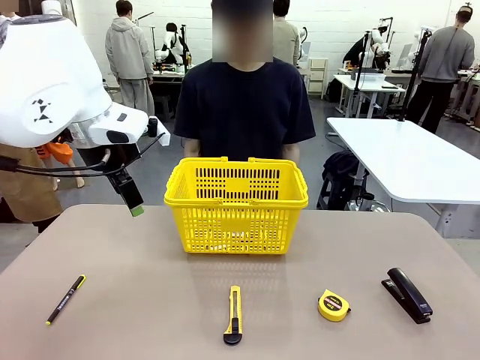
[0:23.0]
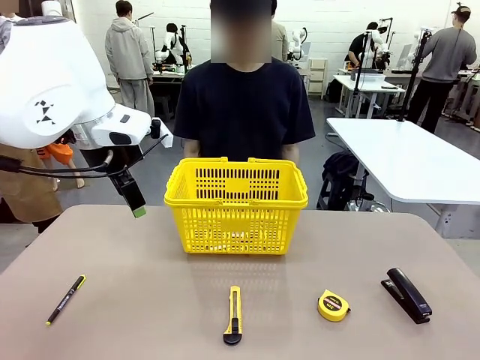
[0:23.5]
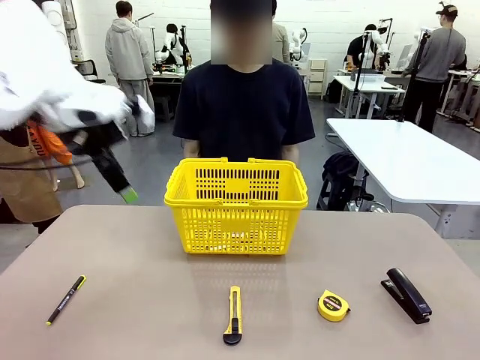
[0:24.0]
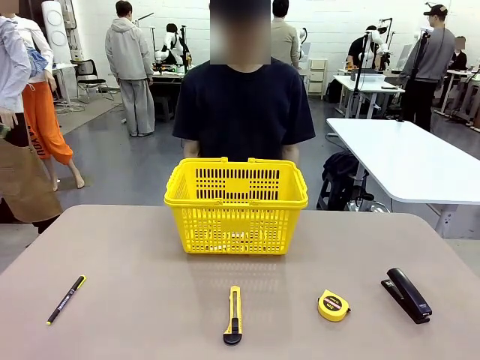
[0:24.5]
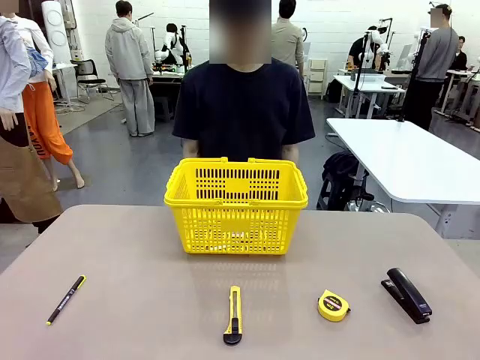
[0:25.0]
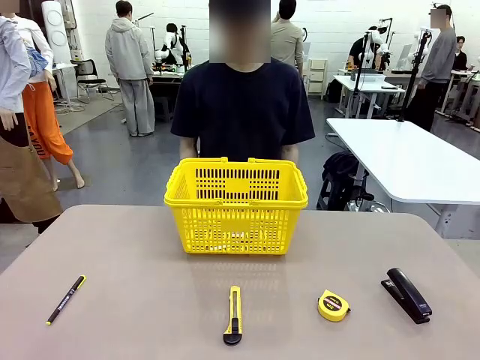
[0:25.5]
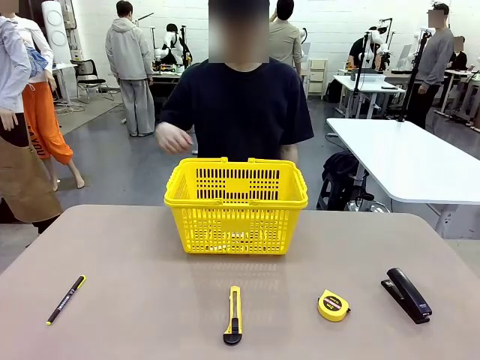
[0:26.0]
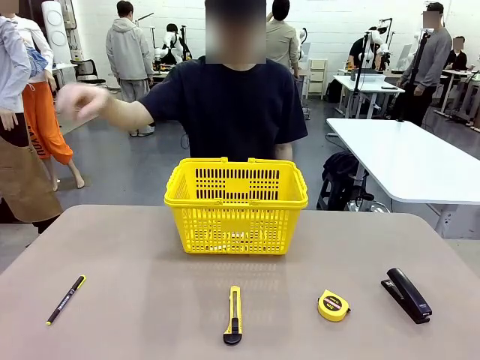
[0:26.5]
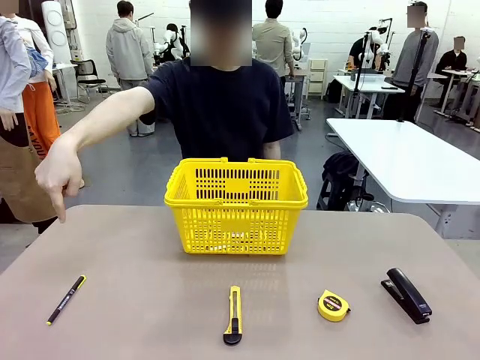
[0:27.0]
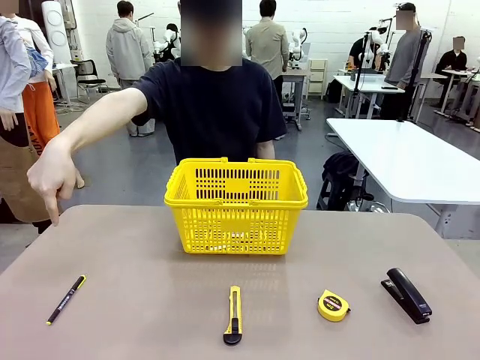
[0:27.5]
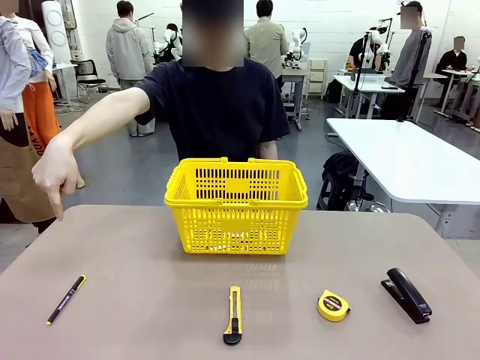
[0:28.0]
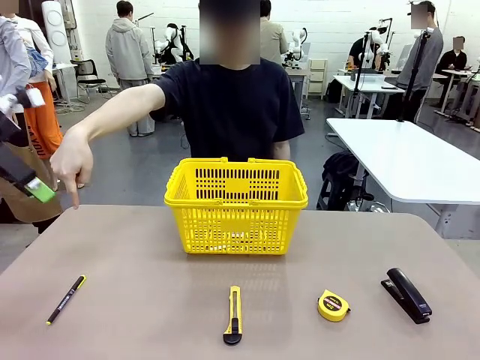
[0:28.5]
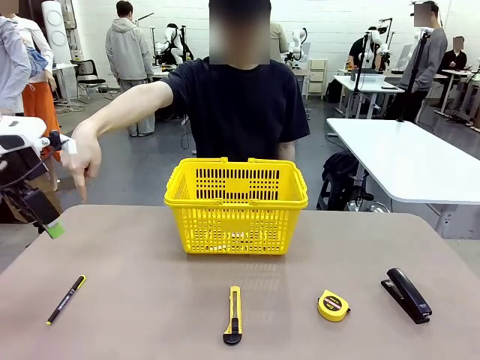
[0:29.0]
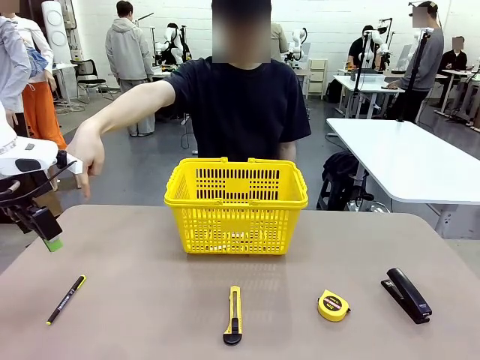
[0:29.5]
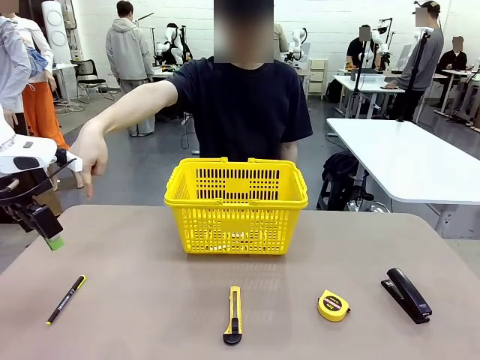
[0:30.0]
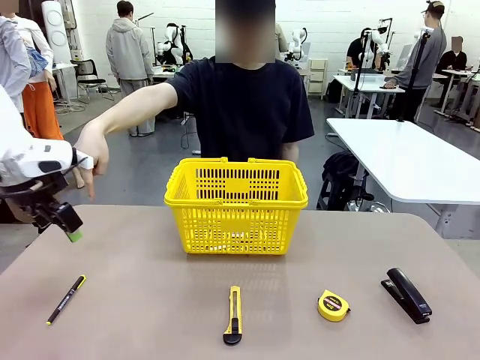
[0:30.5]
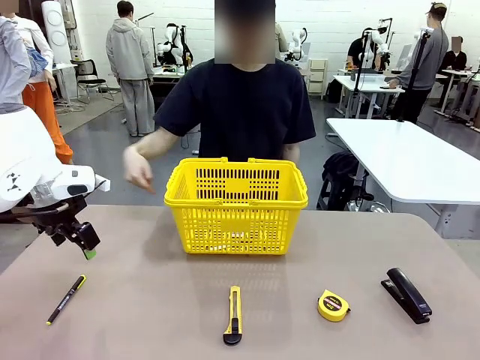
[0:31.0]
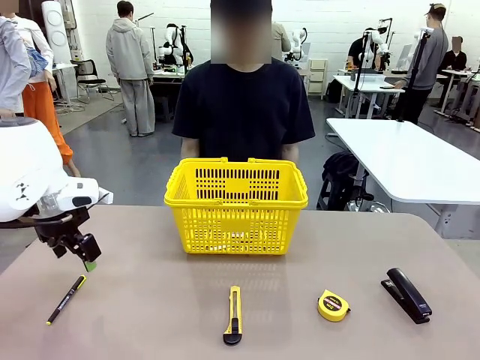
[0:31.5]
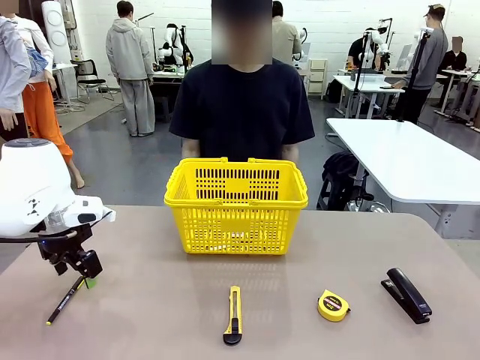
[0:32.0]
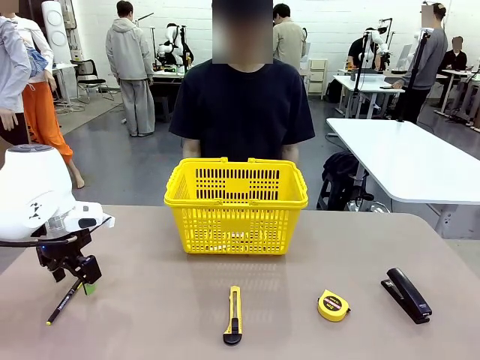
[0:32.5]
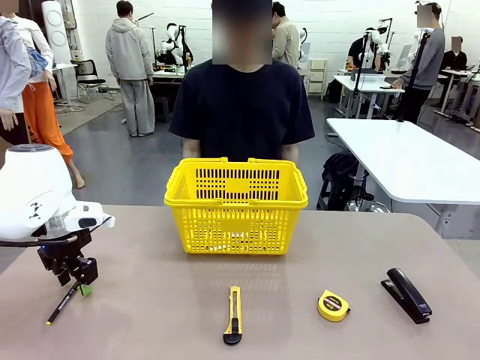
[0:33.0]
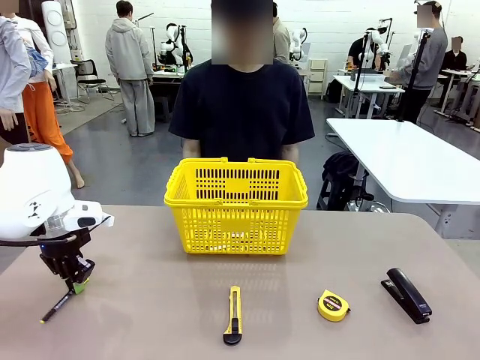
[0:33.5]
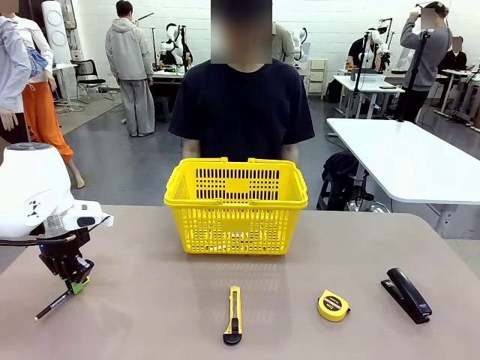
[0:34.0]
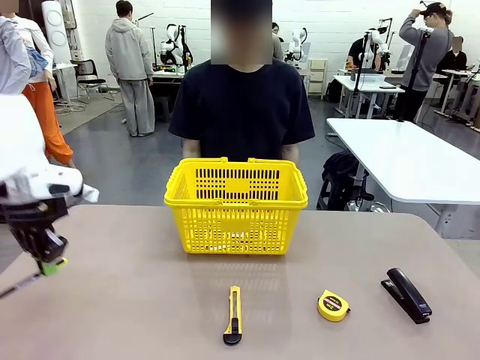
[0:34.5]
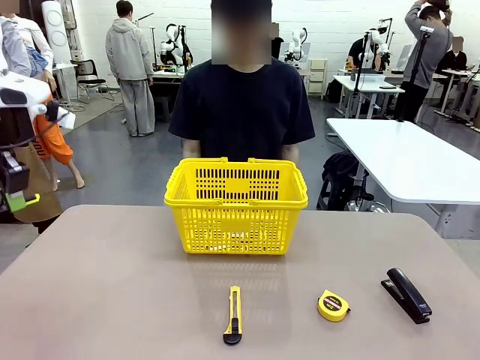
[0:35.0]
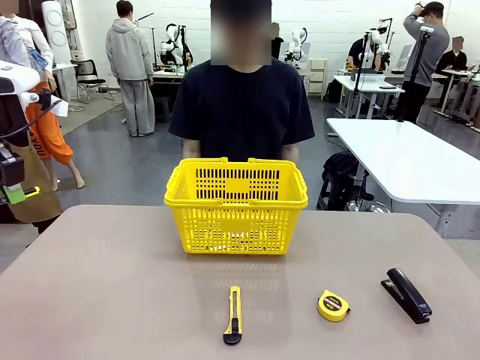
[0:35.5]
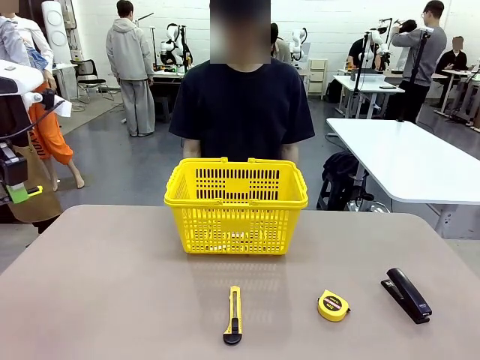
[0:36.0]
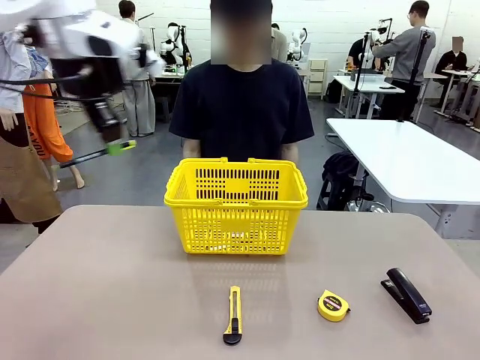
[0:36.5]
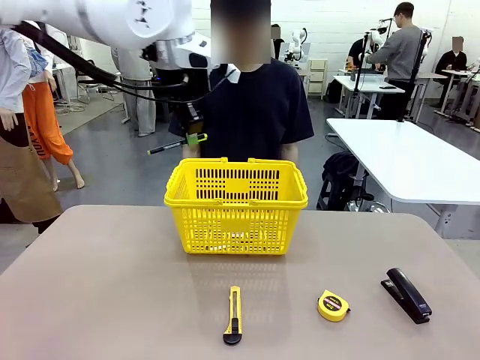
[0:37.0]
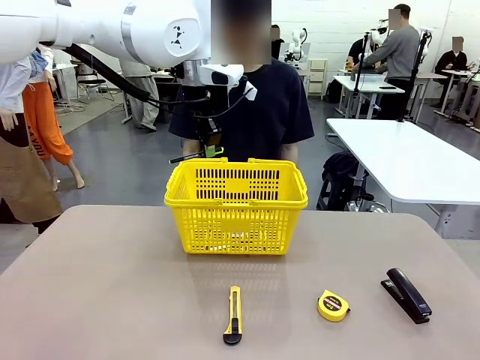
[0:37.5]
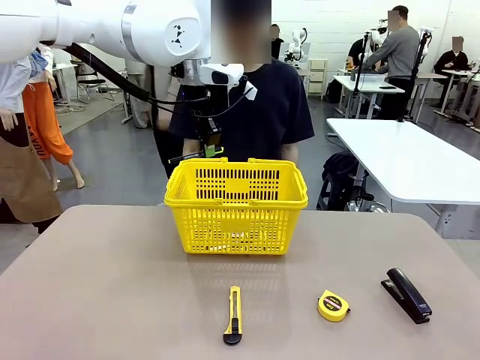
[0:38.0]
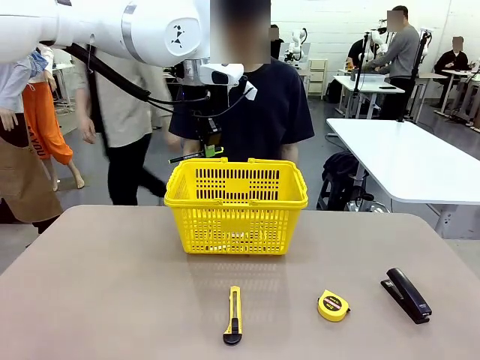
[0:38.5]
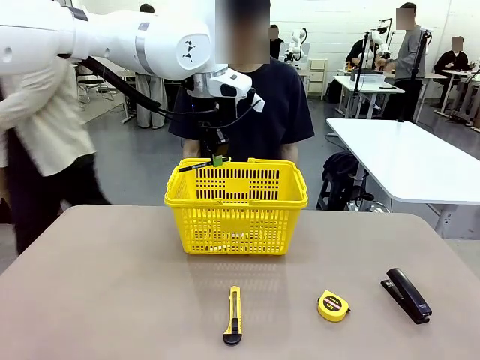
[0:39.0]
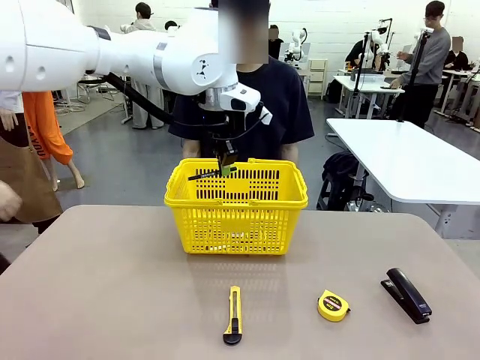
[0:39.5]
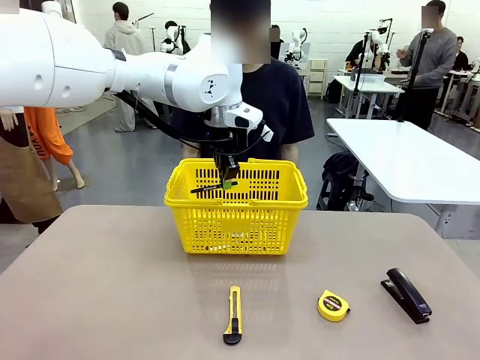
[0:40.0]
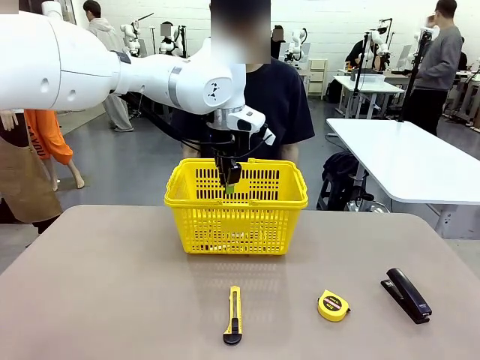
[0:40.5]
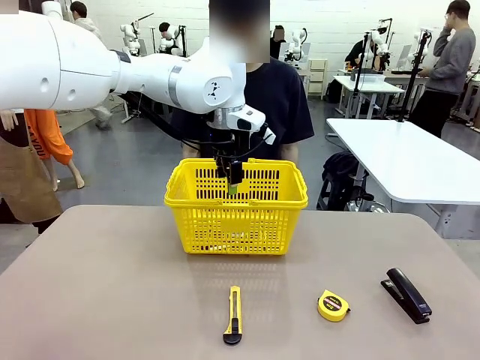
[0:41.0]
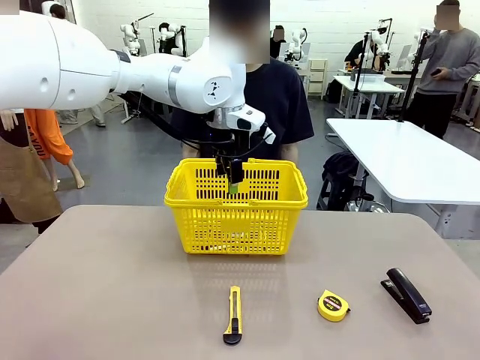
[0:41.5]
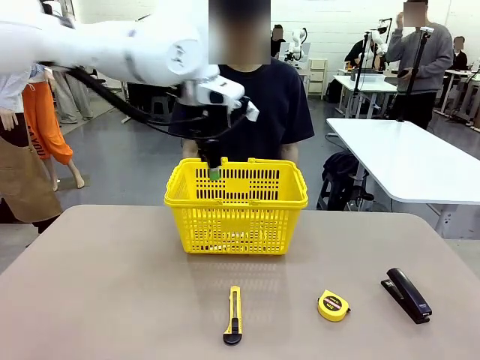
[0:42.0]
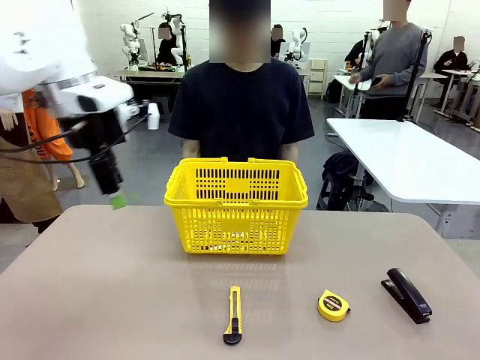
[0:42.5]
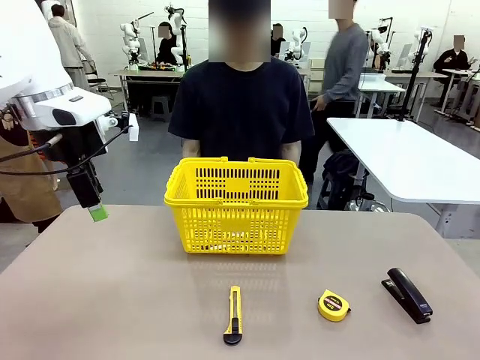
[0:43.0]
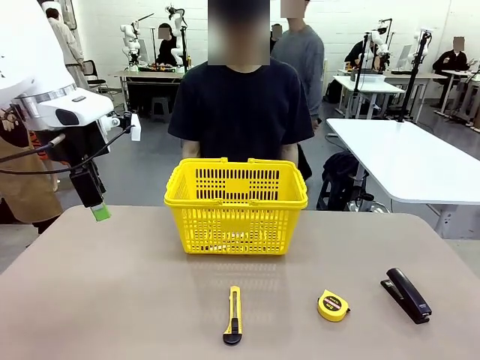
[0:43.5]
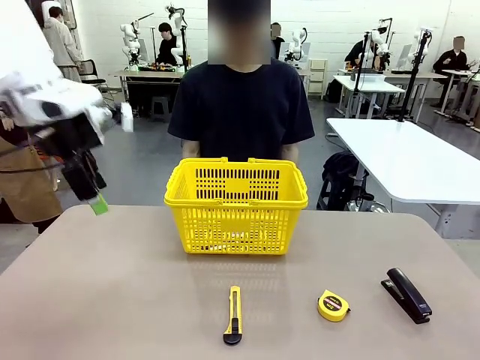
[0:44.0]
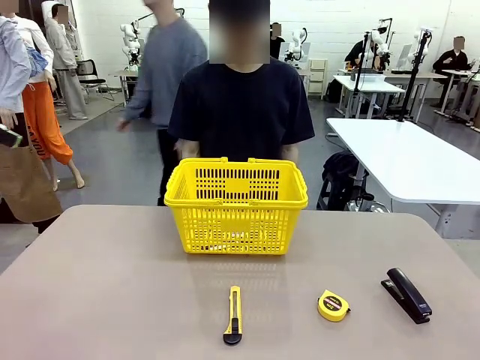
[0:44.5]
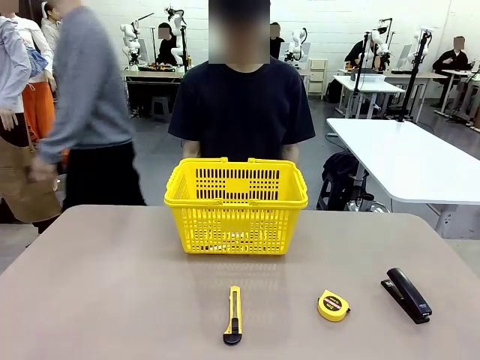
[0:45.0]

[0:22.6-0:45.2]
Task: Place the items the person wants into the basket.
Robot: Pick up the item the person points to and place it in the Market Basket.

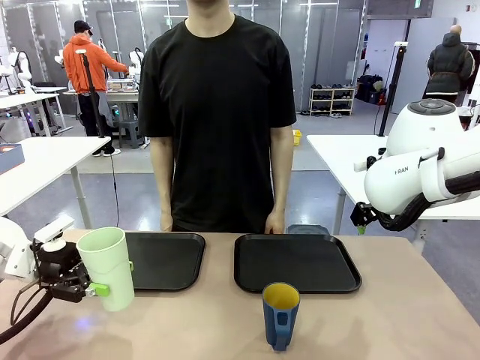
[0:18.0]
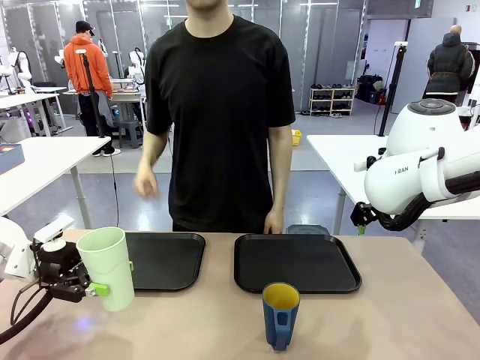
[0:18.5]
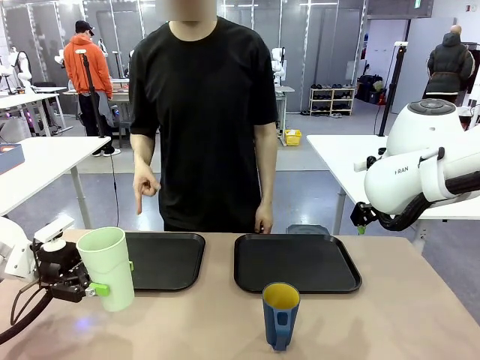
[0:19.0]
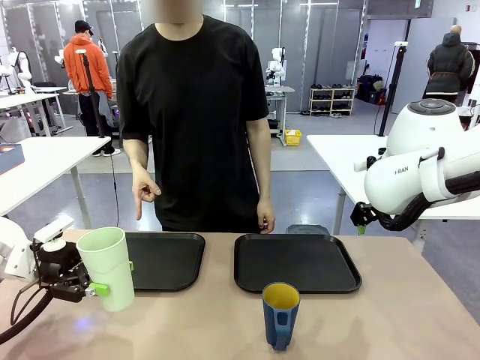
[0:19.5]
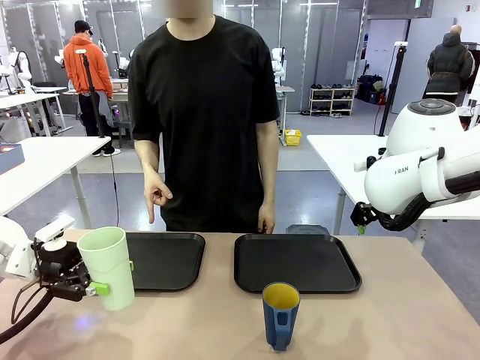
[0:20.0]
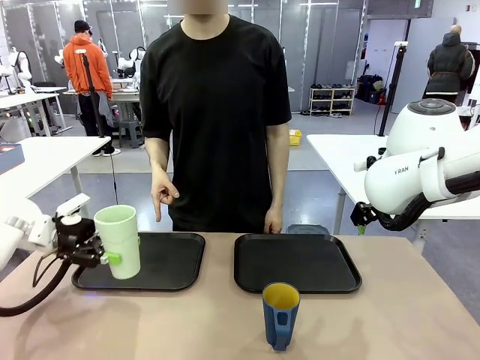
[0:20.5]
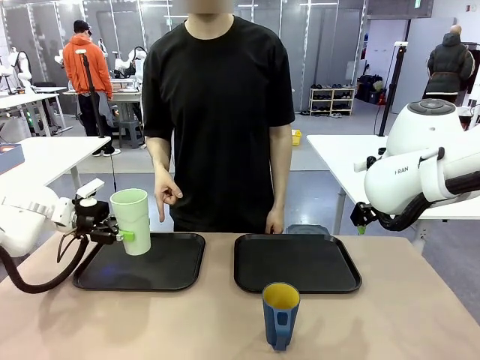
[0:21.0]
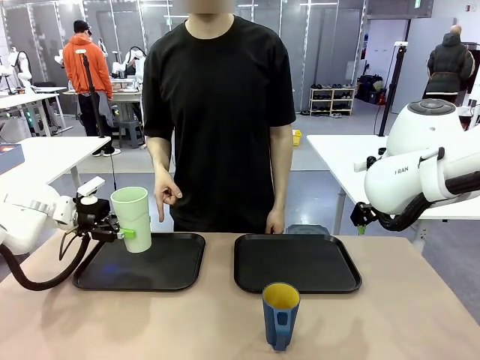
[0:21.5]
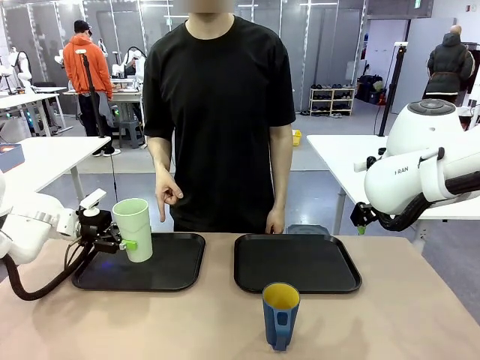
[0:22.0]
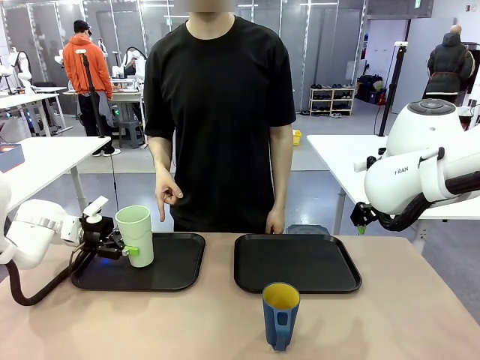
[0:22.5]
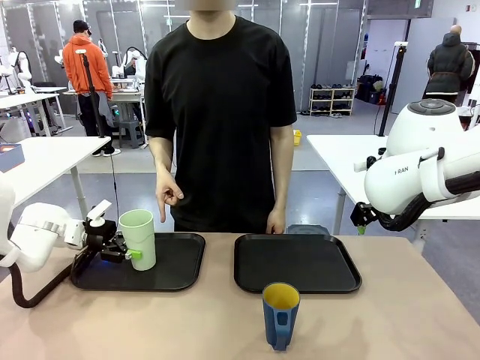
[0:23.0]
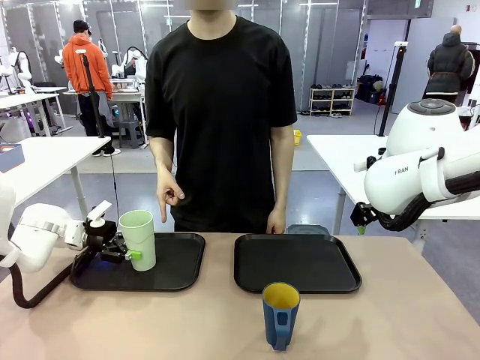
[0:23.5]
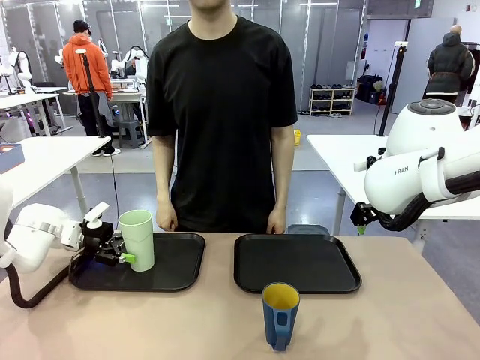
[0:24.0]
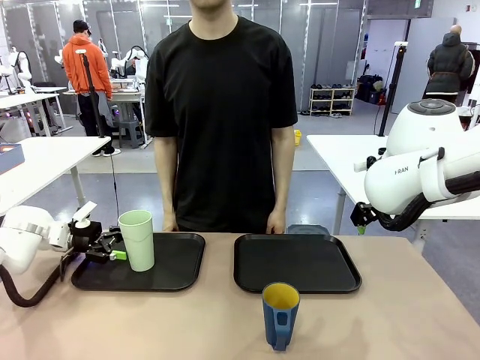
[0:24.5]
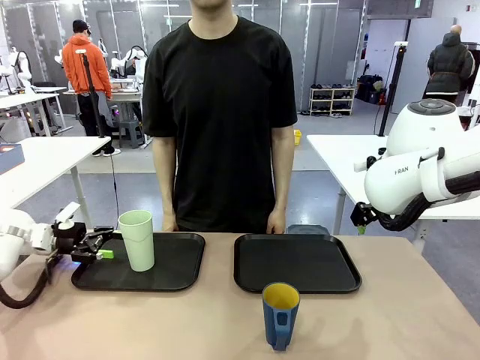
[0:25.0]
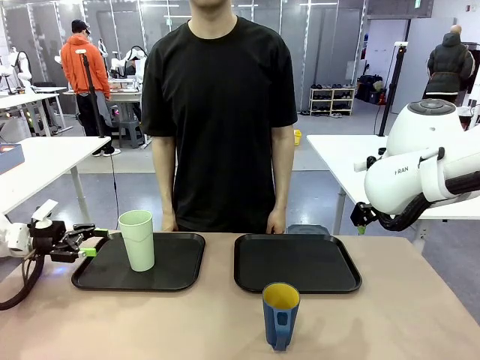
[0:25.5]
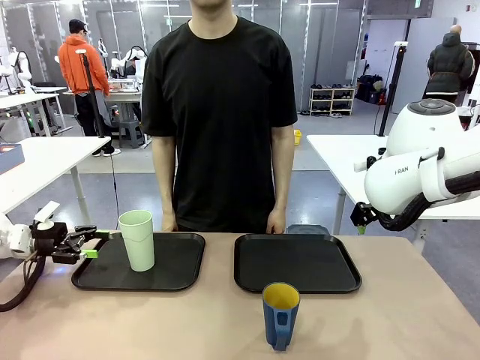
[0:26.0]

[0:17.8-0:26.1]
Task: Sort and store the cups by type.
Robot: Place the picked Reusable plastic cup into the Flat Tray indicated by the person.
